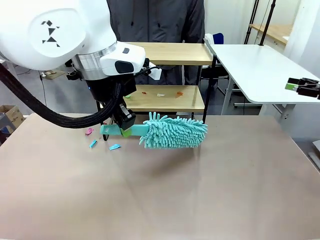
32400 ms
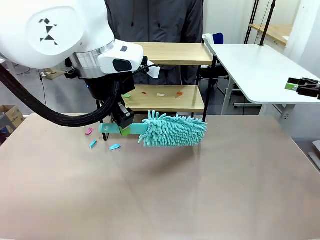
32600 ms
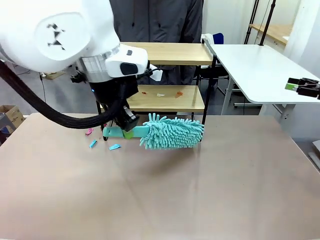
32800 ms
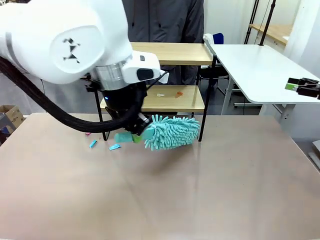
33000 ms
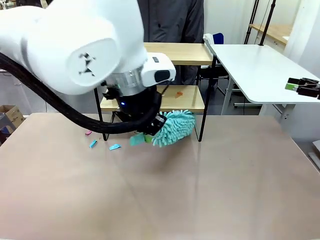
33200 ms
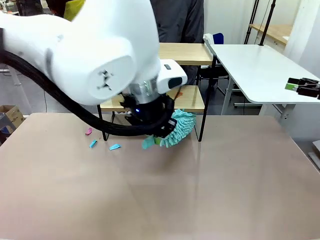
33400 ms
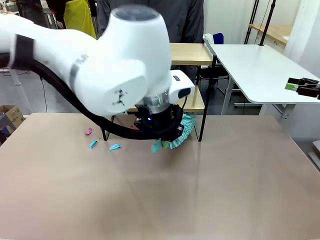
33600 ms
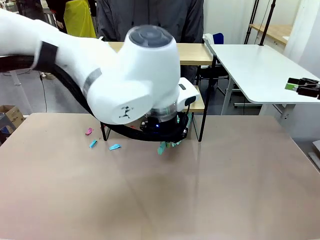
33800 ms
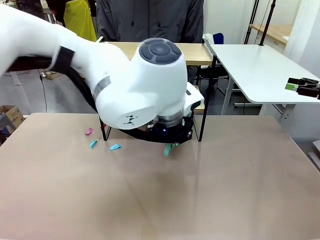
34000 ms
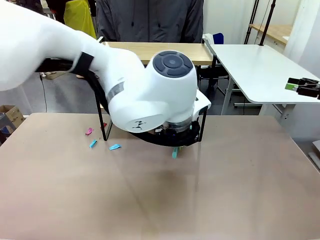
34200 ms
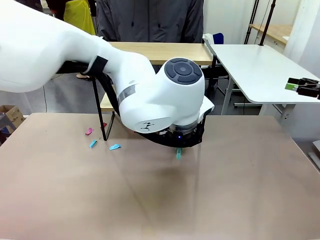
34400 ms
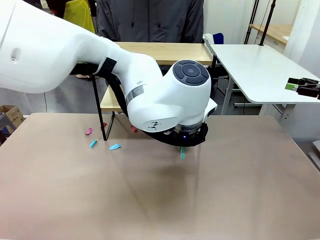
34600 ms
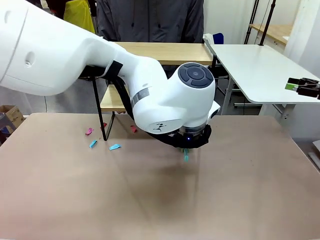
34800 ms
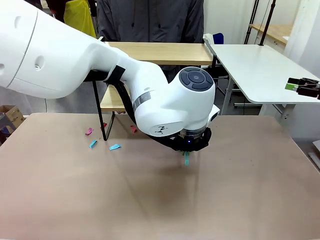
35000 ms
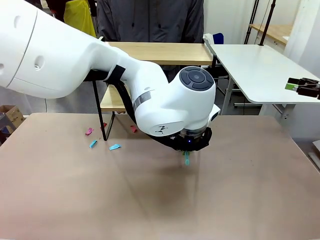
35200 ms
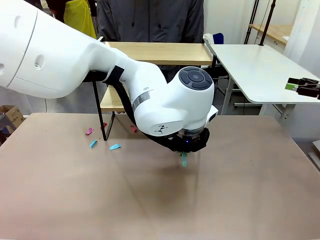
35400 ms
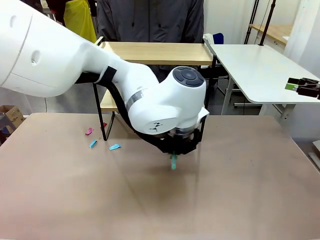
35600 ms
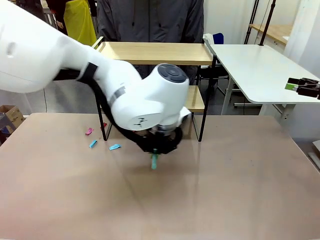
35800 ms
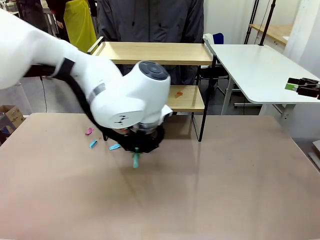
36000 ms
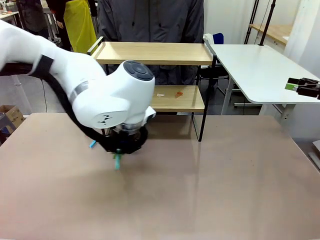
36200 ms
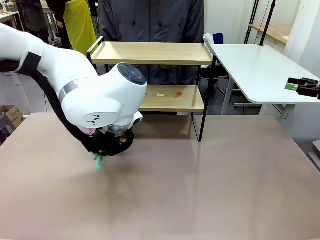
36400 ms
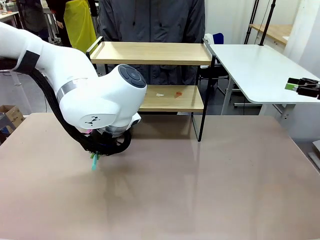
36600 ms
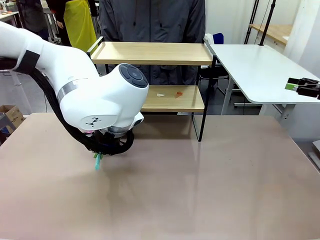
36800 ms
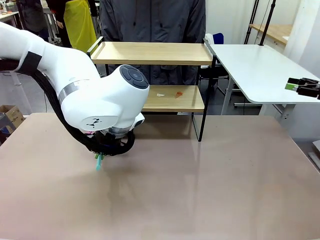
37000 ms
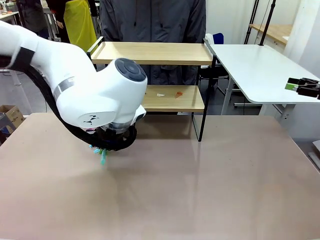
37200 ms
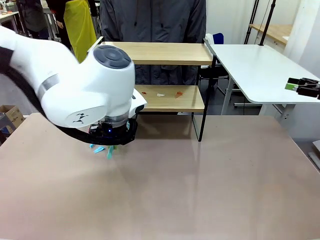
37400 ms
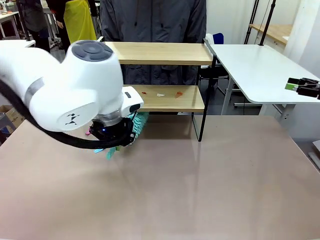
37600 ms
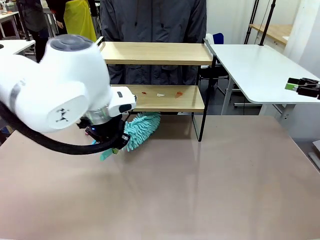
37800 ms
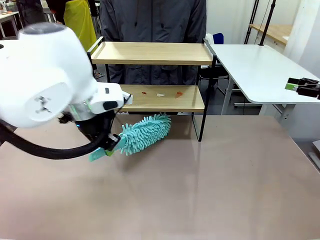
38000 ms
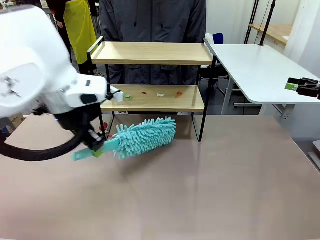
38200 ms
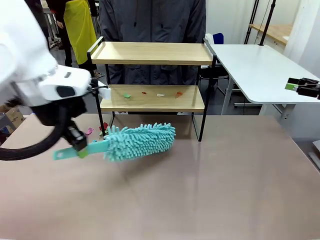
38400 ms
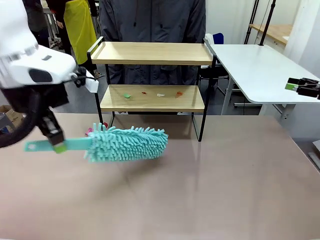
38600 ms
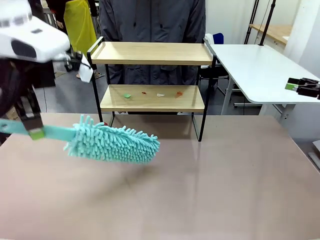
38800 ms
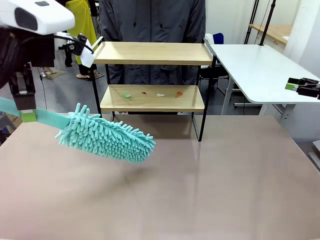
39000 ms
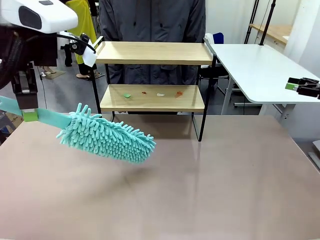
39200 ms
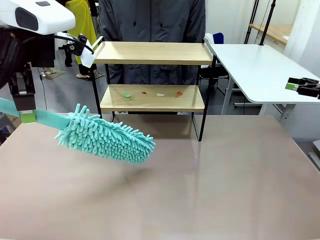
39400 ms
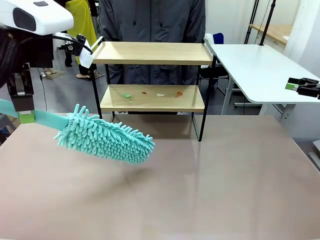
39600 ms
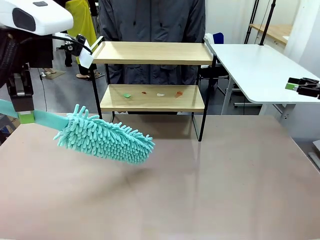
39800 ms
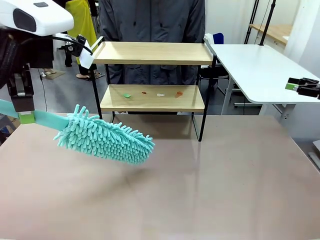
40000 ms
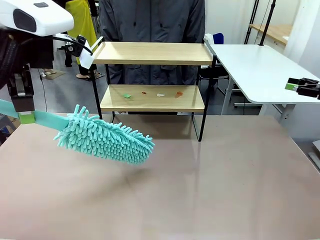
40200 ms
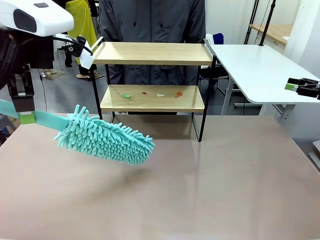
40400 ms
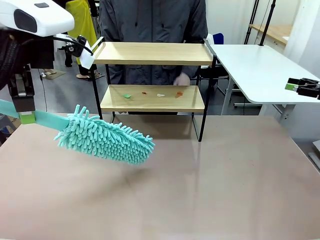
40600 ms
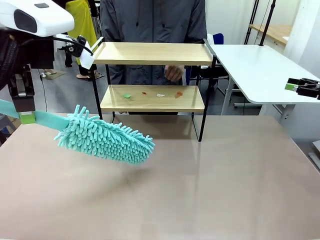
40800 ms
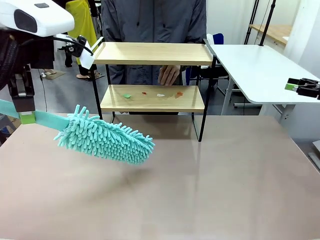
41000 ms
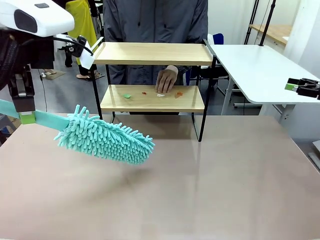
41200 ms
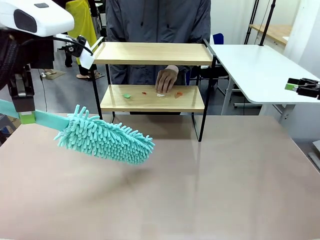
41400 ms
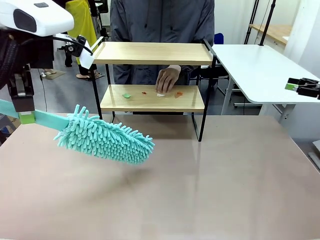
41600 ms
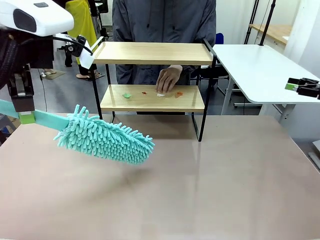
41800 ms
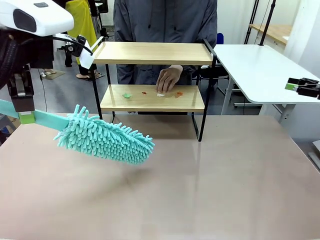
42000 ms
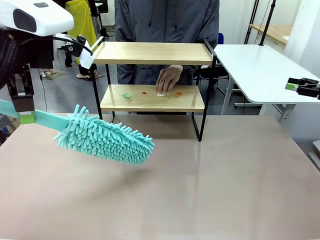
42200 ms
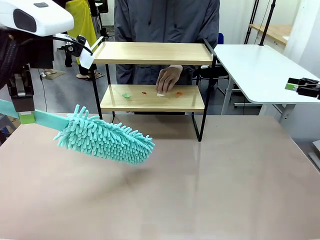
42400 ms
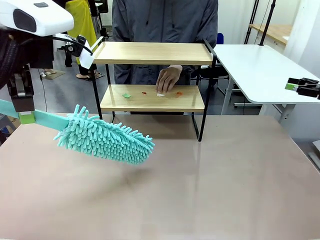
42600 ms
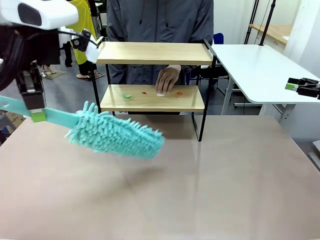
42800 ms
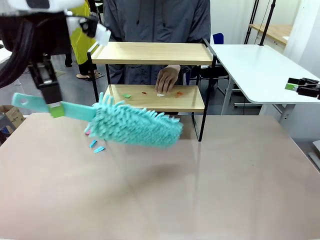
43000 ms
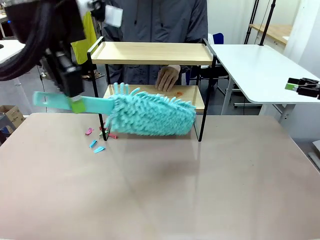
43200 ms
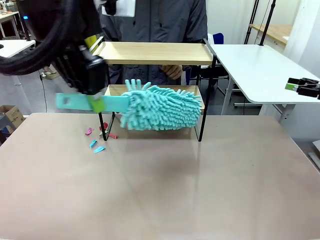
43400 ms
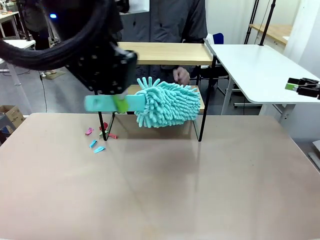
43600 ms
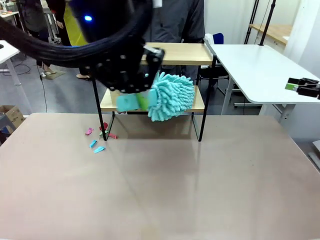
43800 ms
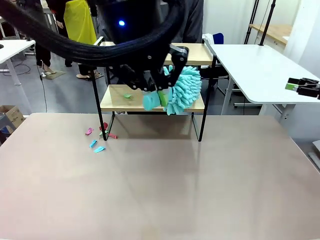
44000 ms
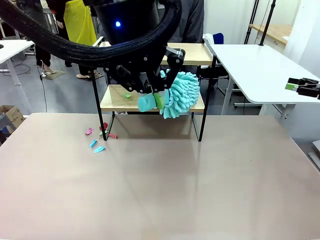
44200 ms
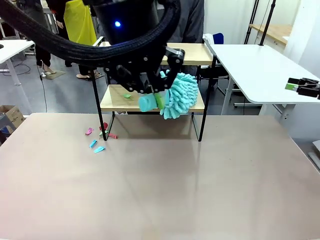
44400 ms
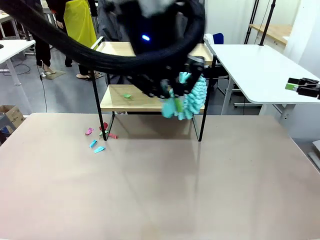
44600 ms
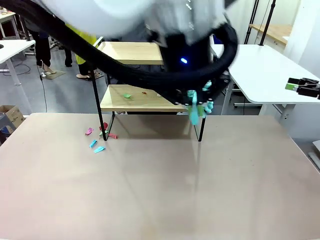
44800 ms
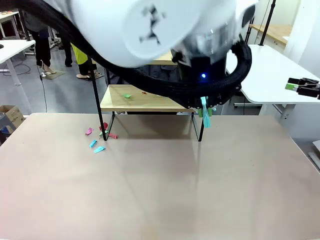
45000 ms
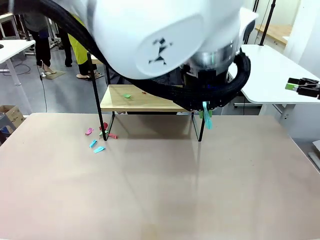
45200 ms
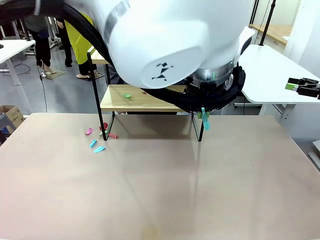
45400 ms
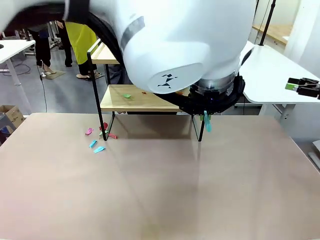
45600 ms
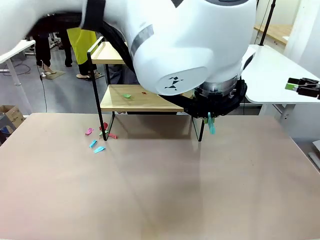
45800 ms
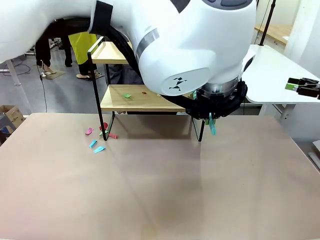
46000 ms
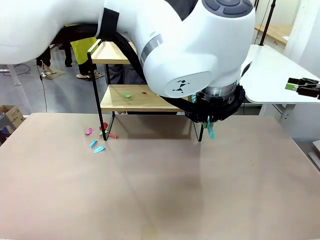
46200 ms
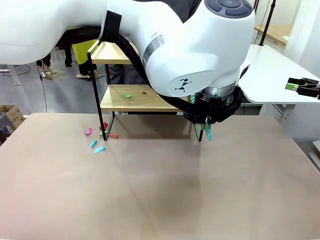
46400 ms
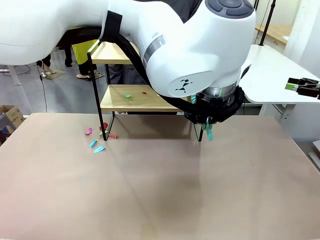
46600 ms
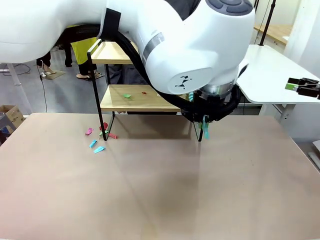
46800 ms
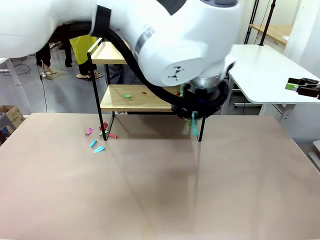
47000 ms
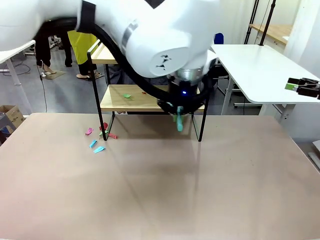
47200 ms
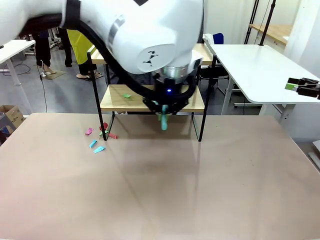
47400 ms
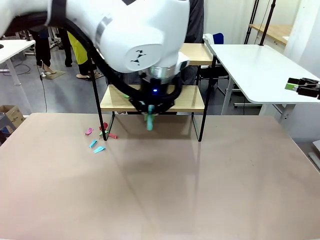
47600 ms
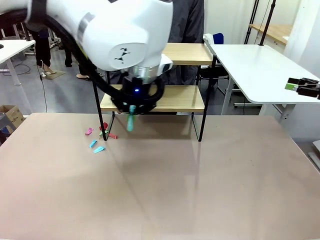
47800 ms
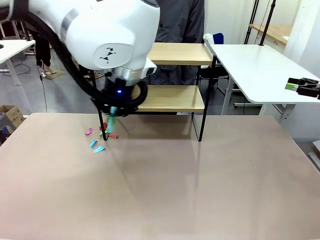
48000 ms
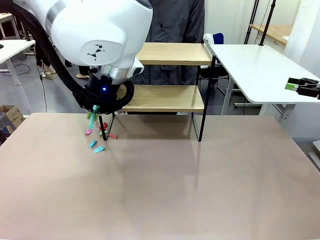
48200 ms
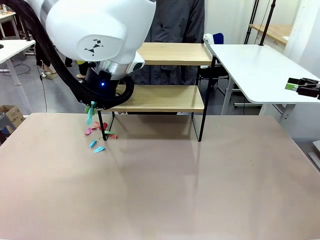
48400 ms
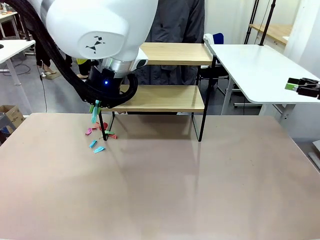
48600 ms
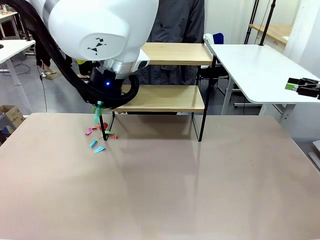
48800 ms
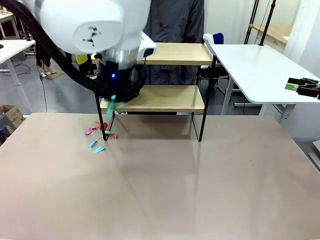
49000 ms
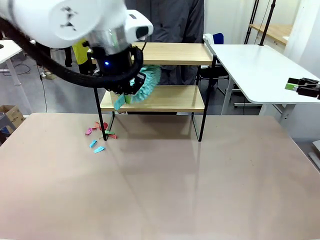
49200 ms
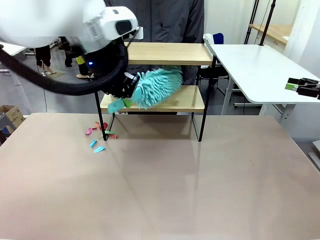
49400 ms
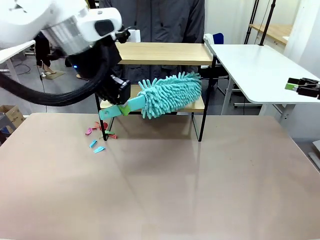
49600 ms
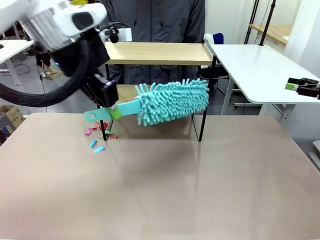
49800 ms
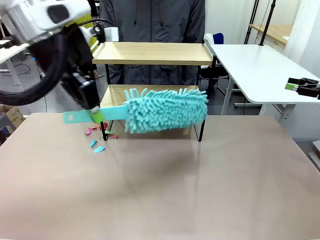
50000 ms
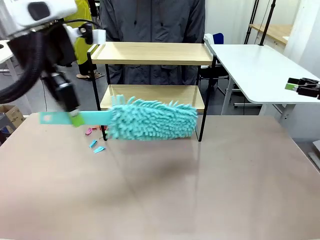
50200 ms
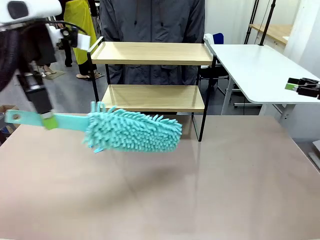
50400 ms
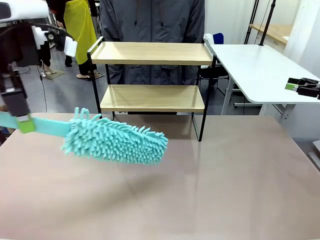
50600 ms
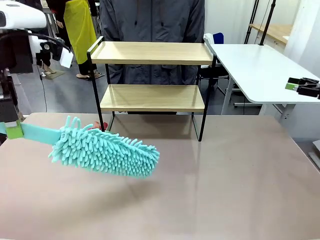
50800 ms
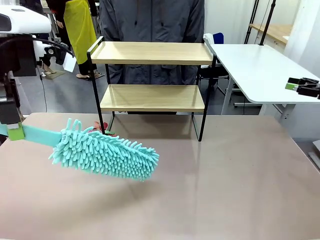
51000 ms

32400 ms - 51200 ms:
Task: Clean the shelf.
Robot: Clean the specific section of the Shelf indicated by the human with the Duster.
Person: Point a remaining section of the Shelf.
